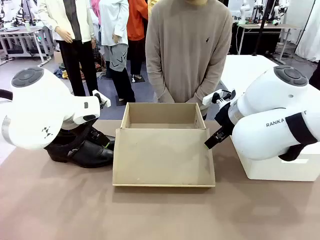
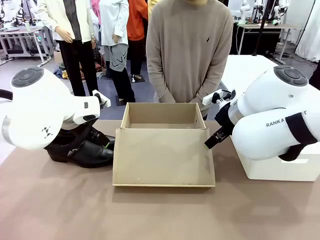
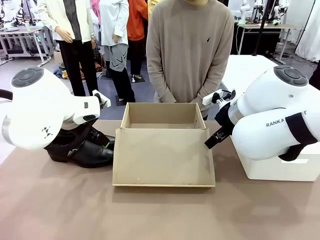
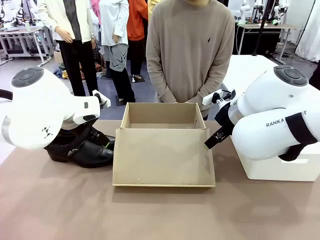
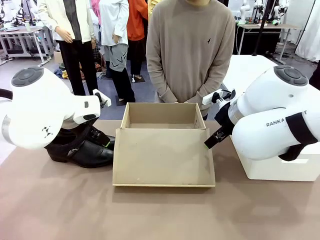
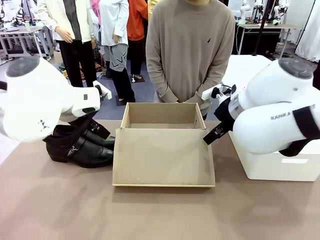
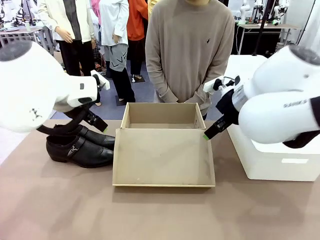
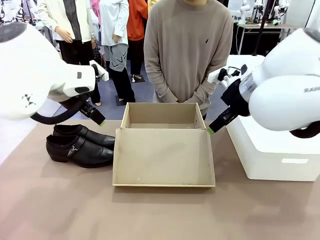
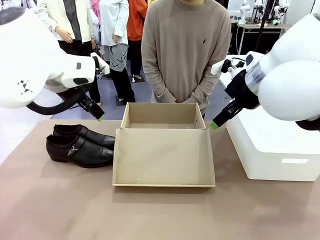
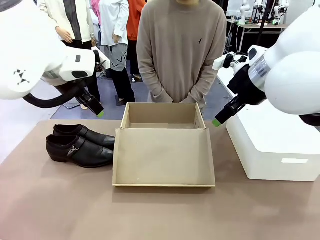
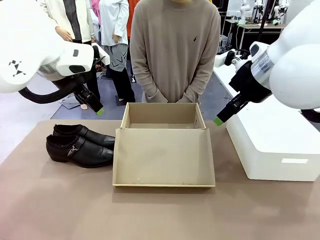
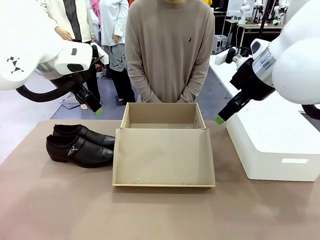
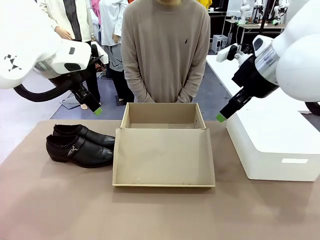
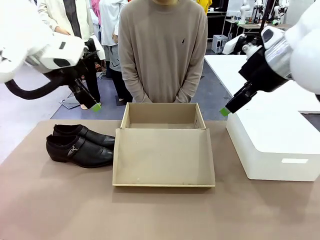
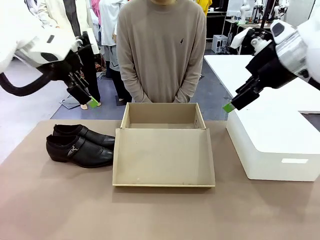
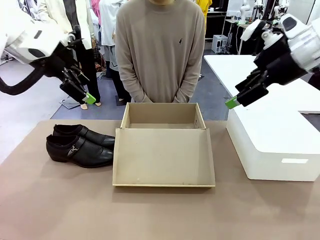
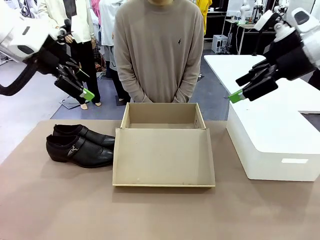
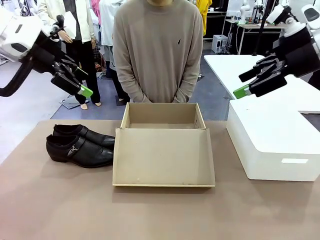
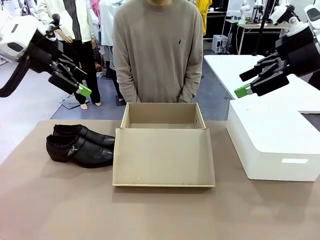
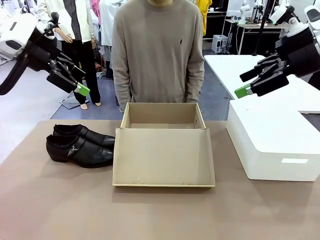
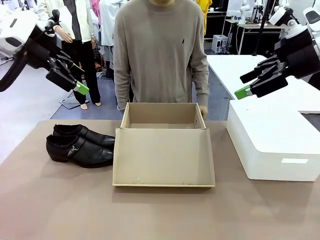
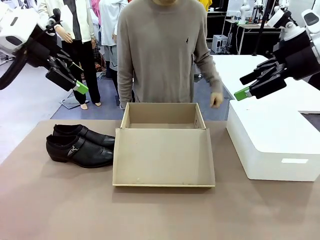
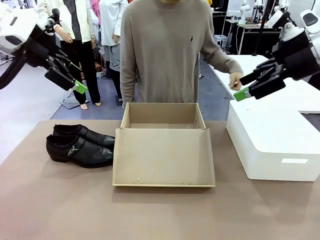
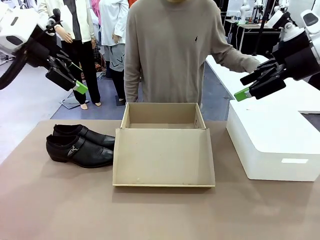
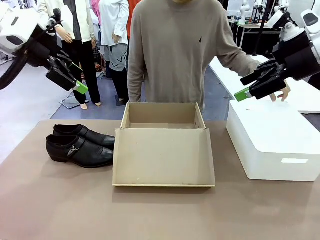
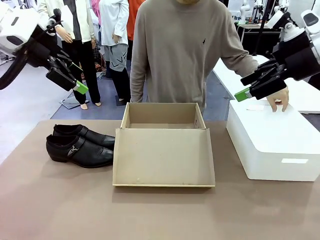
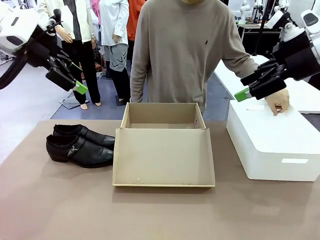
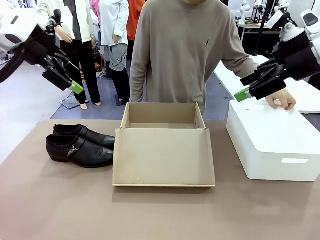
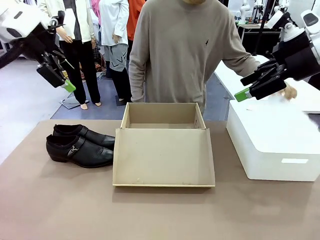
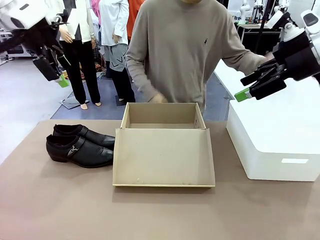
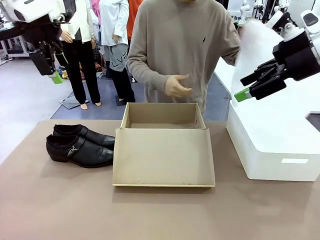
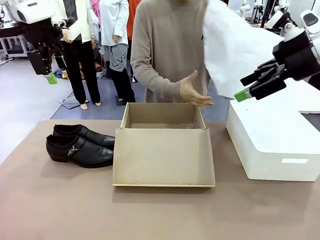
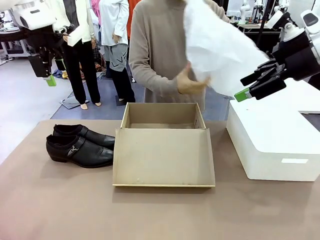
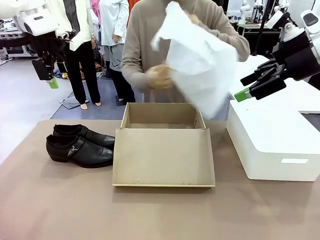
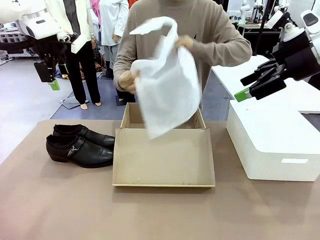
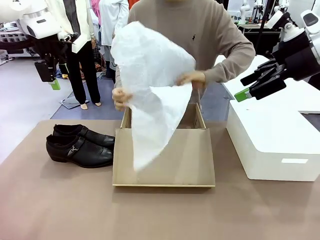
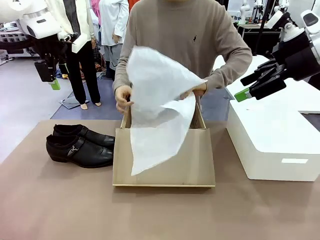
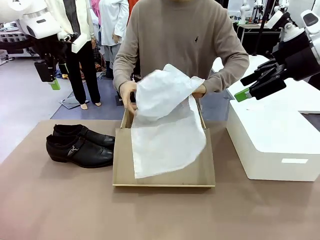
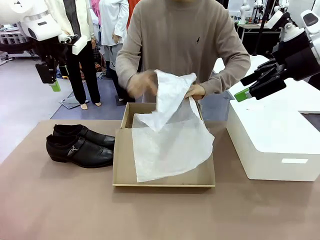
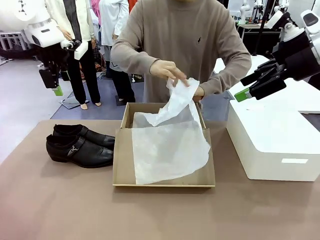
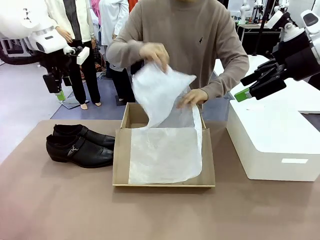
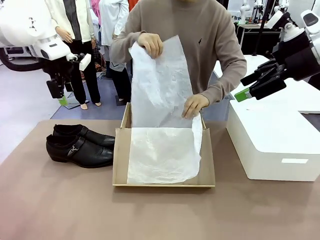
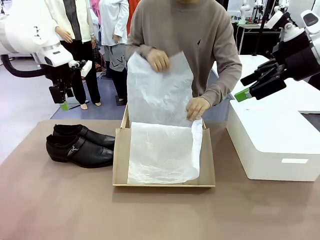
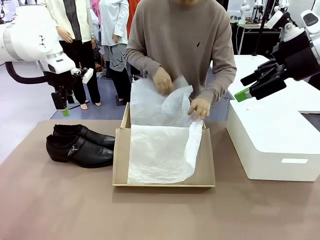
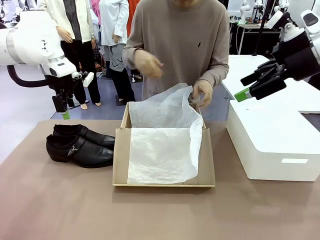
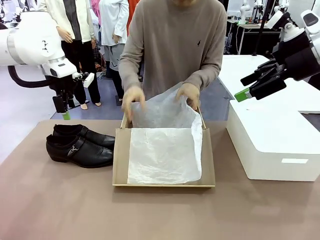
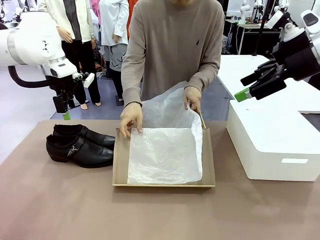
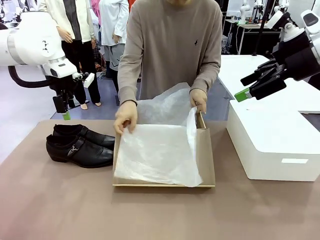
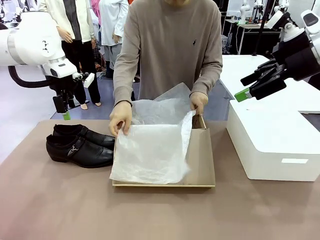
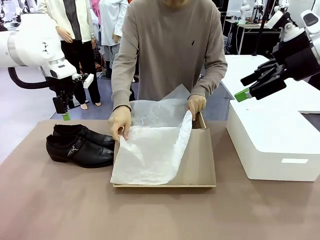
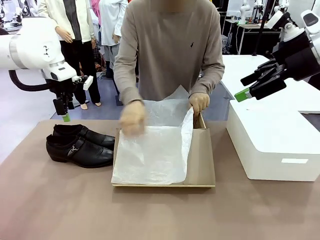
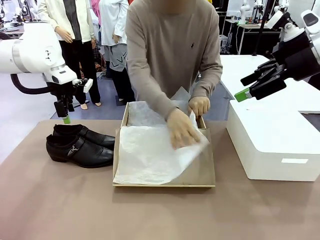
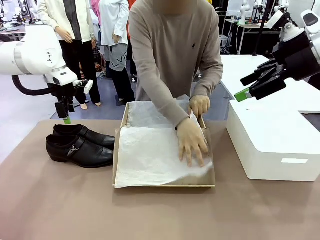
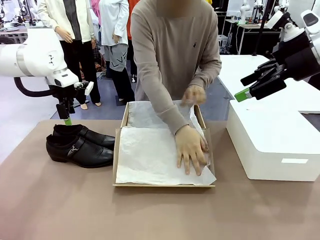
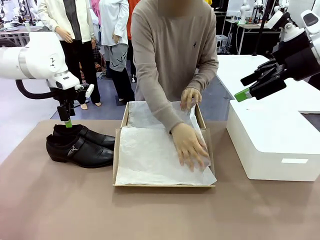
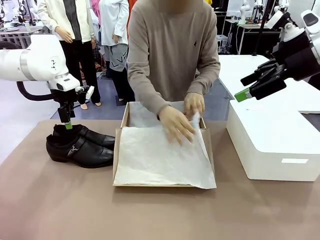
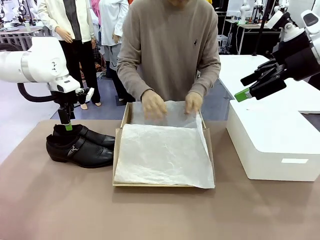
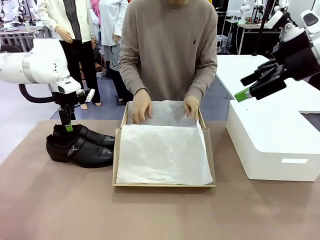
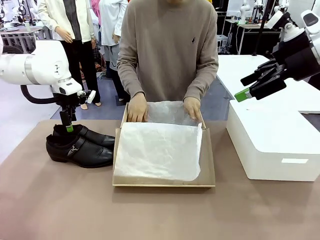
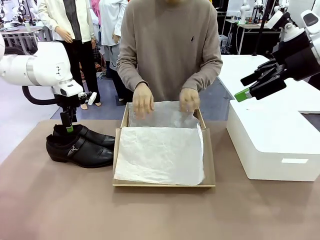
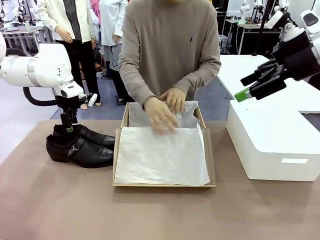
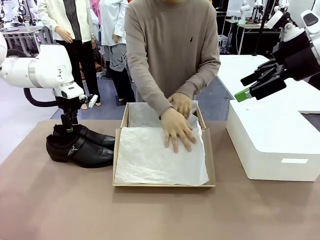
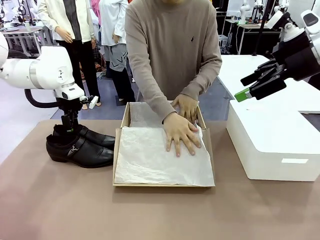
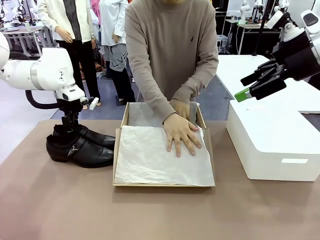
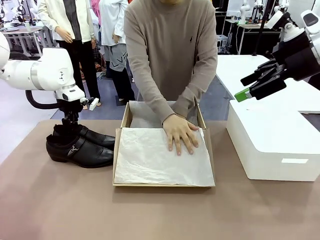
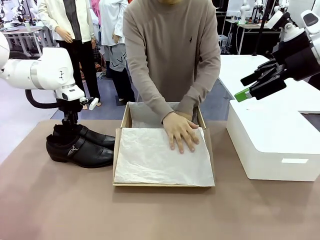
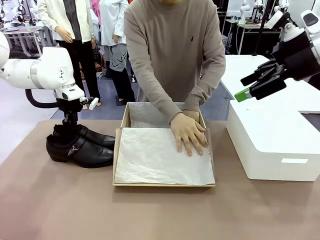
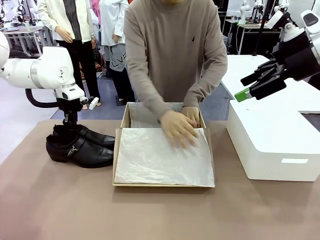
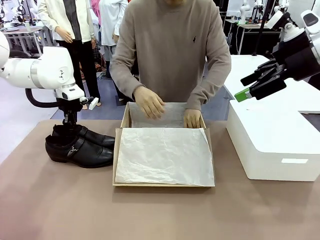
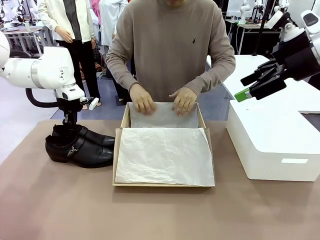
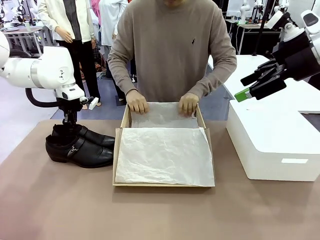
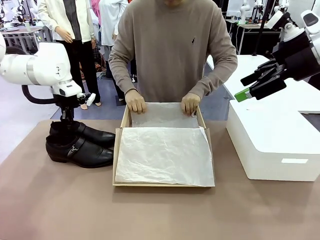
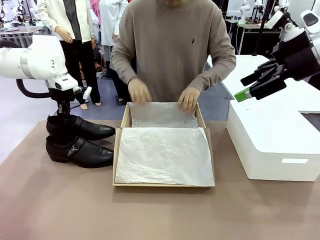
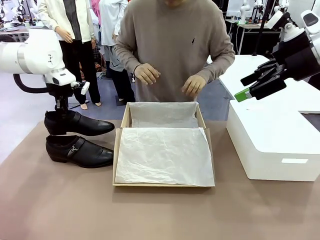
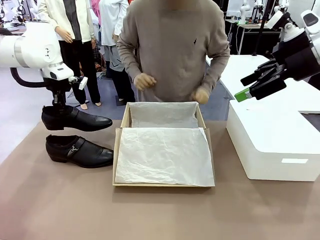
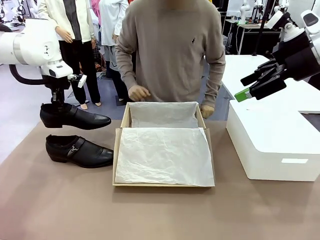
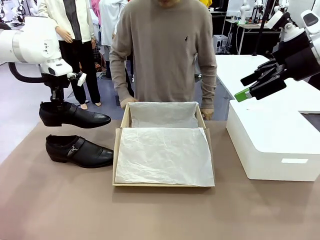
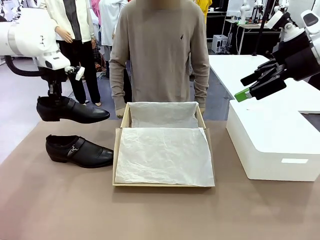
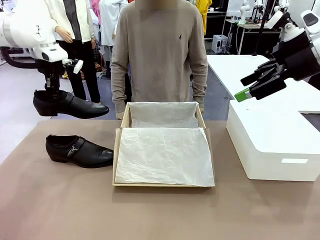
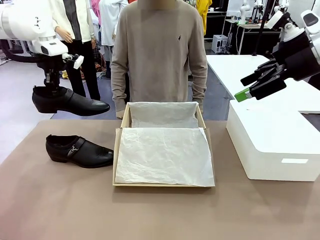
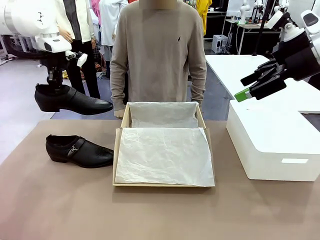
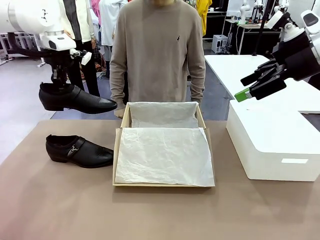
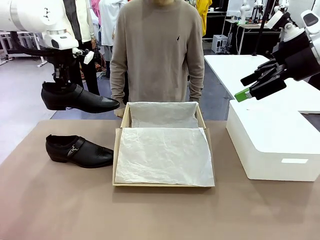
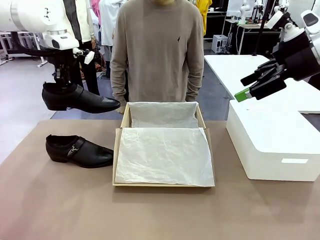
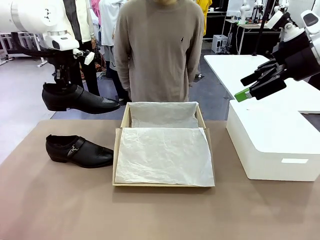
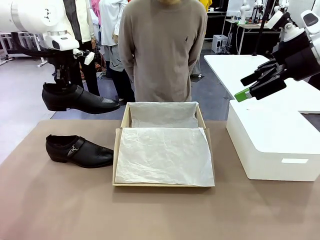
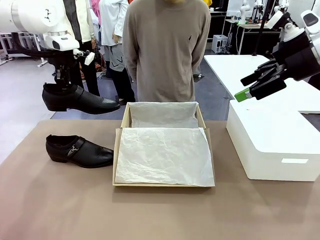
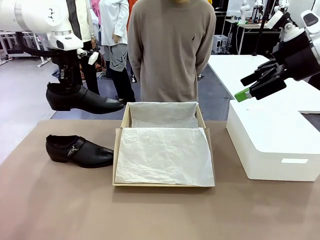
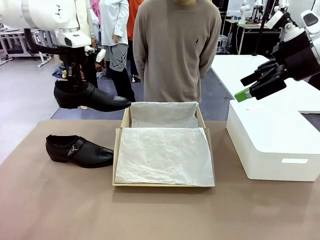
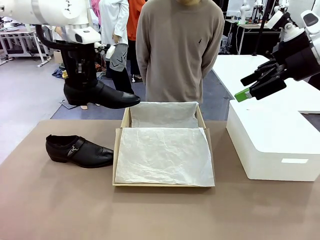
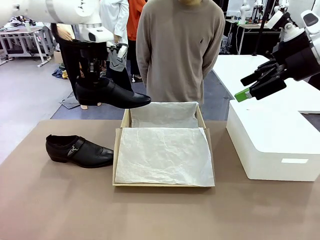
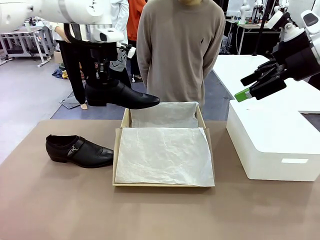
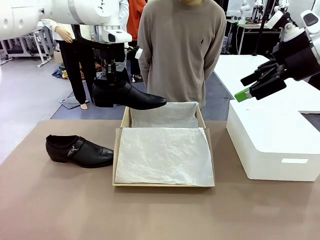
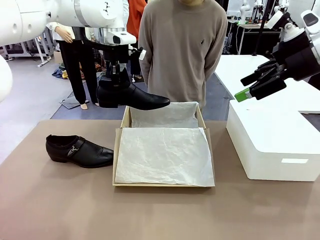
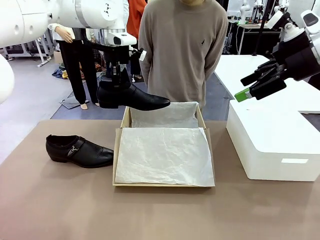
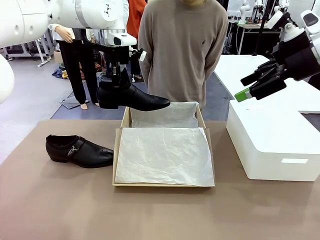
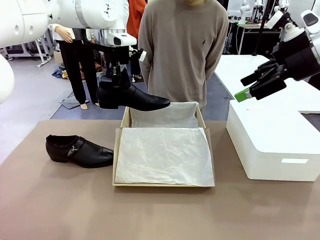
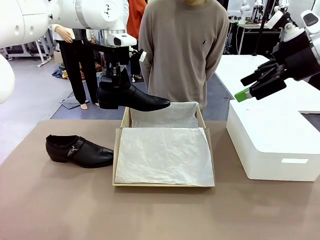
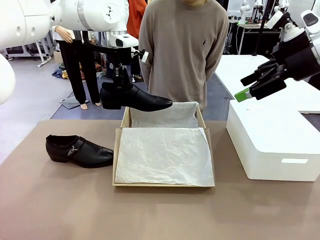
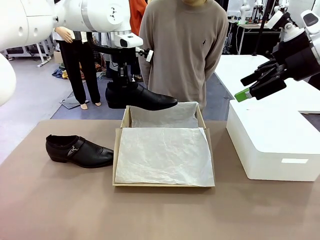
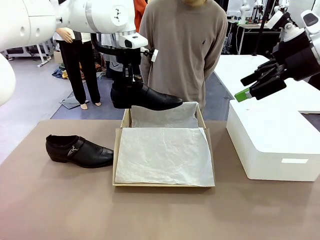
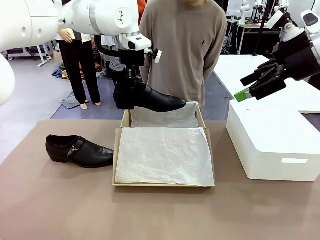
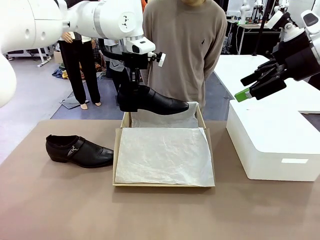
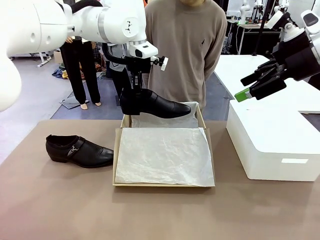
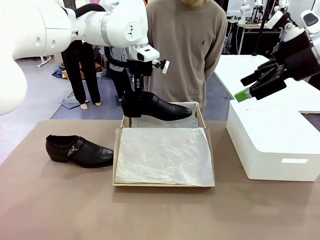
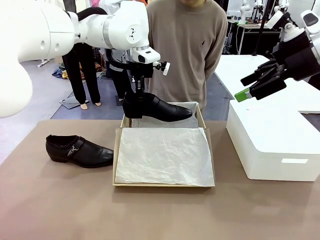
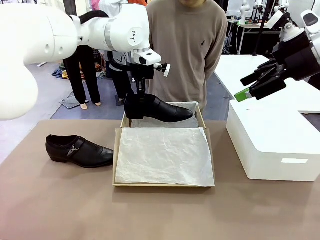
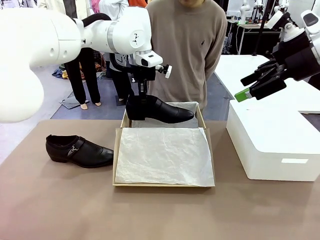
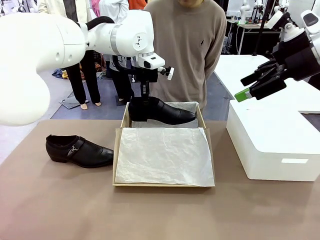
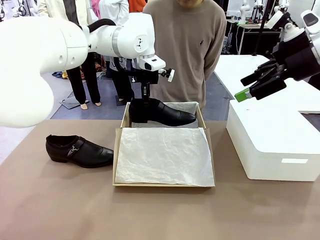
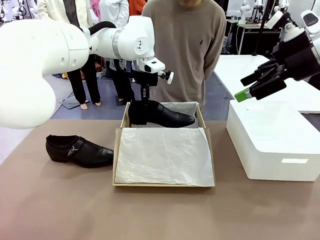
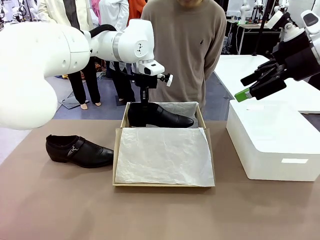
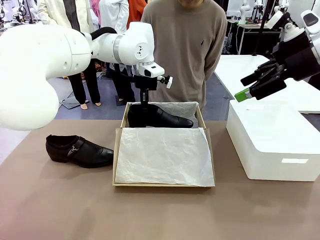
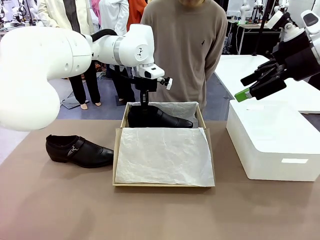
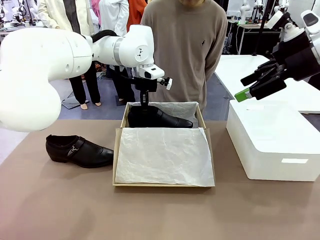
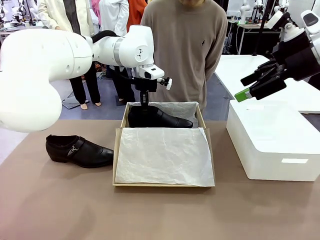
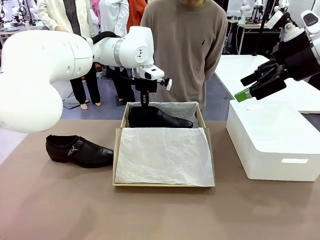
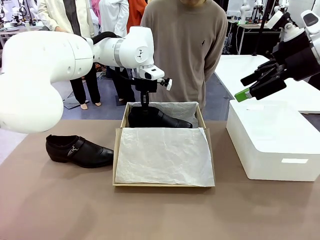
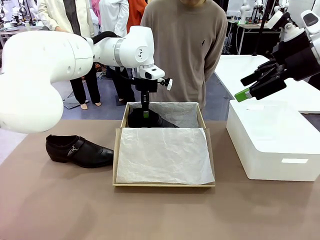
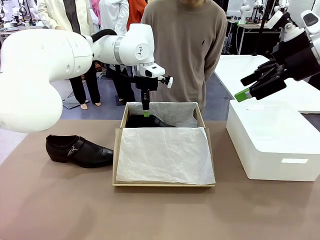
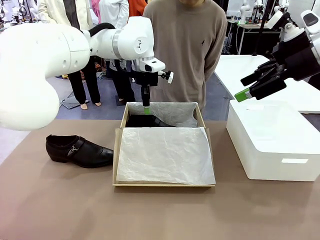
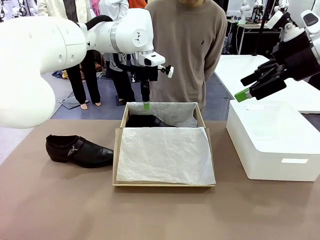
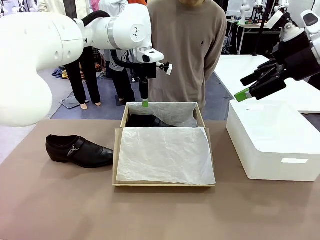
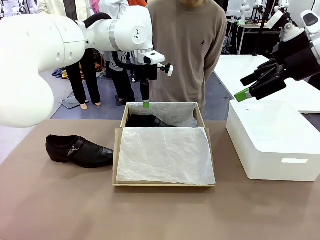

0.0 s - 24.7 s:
Task: Pack the shoes into the box.
Robot: Place one shoe of the Shoes into the Shoes Box.
Person: Spread Shoes Wrapping Paper and place inside the Shoes Box.
